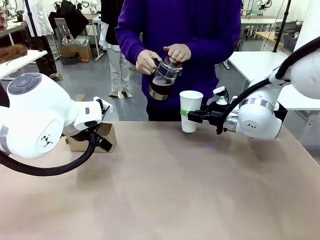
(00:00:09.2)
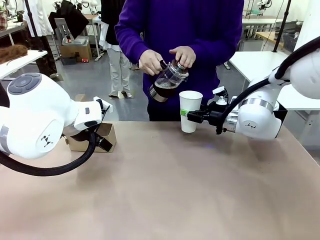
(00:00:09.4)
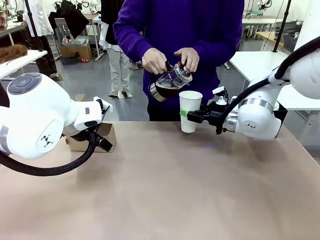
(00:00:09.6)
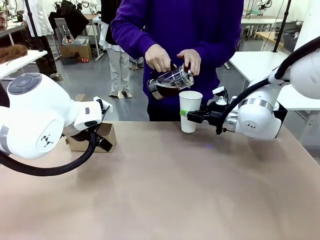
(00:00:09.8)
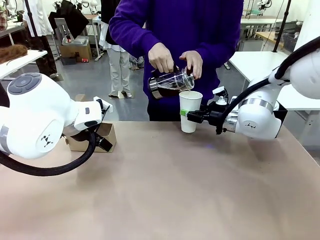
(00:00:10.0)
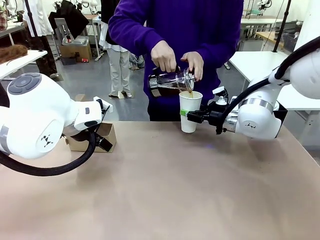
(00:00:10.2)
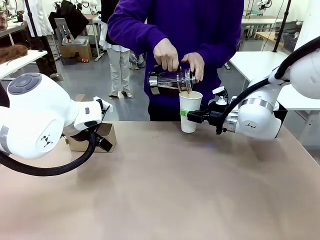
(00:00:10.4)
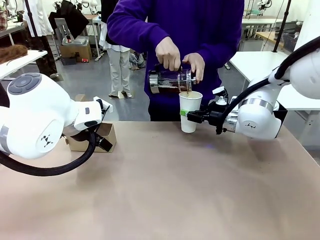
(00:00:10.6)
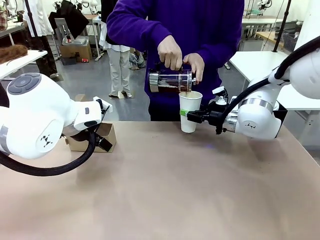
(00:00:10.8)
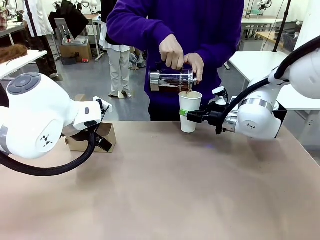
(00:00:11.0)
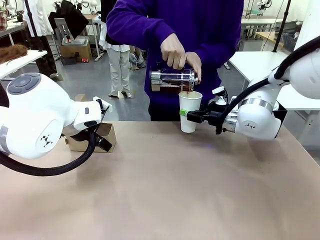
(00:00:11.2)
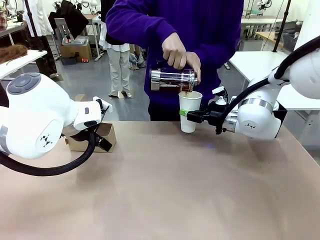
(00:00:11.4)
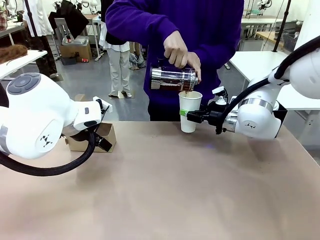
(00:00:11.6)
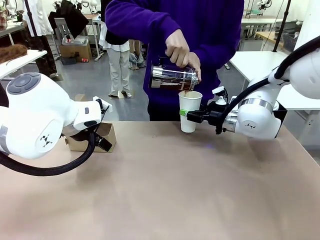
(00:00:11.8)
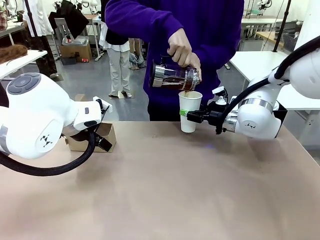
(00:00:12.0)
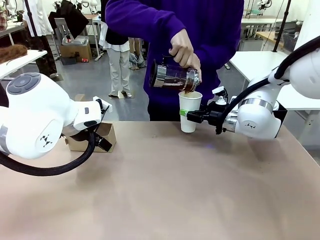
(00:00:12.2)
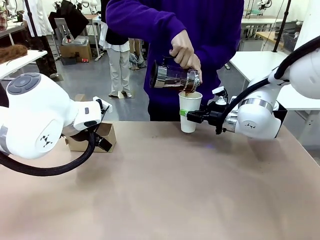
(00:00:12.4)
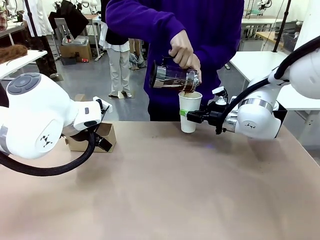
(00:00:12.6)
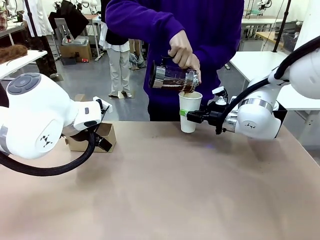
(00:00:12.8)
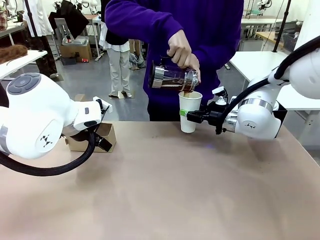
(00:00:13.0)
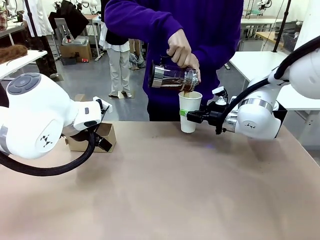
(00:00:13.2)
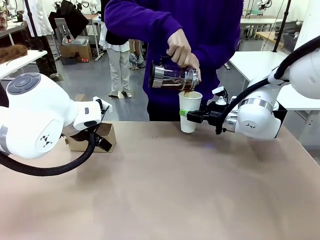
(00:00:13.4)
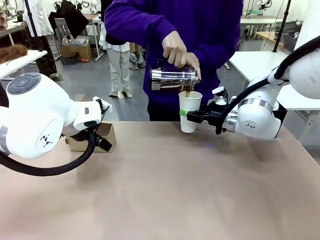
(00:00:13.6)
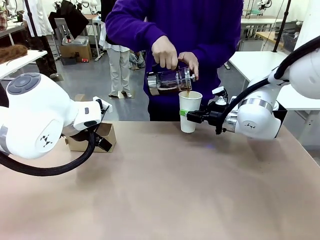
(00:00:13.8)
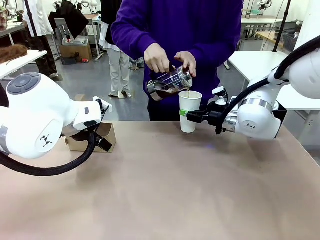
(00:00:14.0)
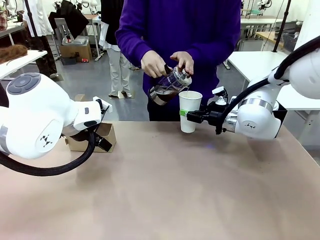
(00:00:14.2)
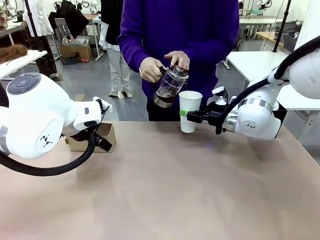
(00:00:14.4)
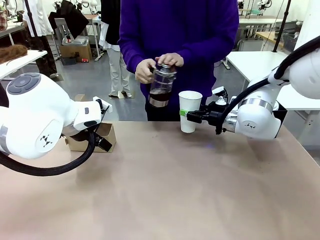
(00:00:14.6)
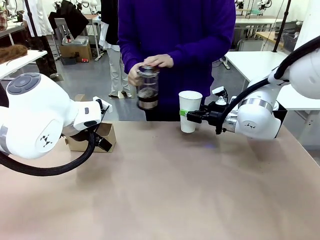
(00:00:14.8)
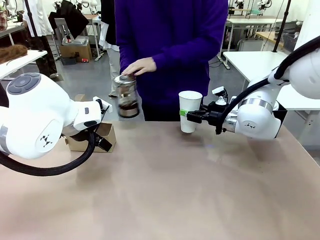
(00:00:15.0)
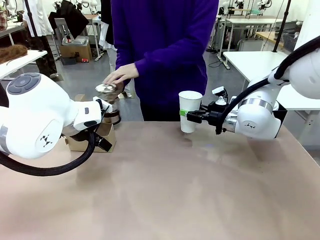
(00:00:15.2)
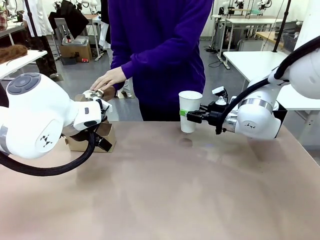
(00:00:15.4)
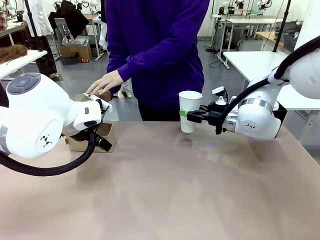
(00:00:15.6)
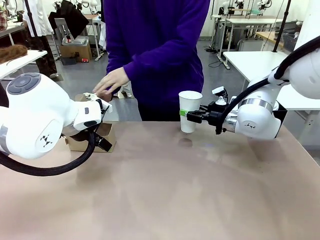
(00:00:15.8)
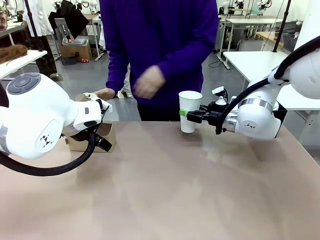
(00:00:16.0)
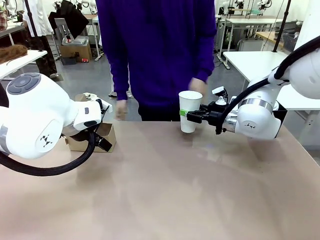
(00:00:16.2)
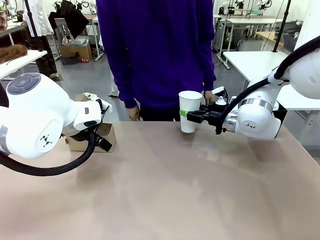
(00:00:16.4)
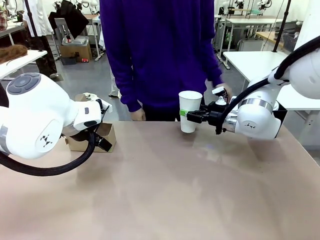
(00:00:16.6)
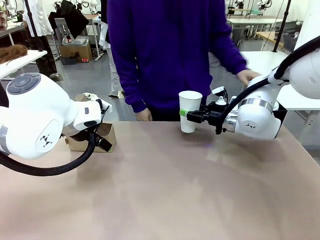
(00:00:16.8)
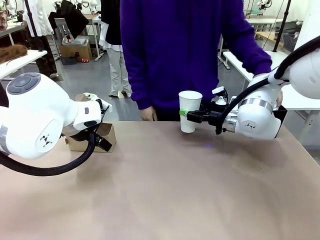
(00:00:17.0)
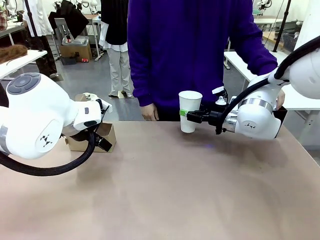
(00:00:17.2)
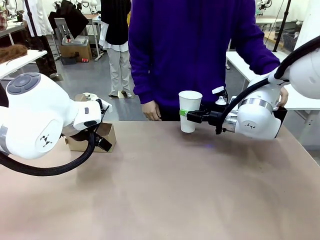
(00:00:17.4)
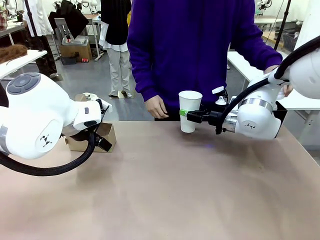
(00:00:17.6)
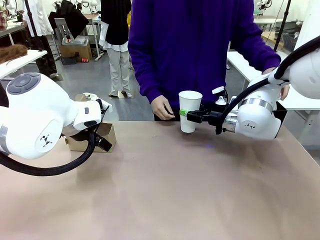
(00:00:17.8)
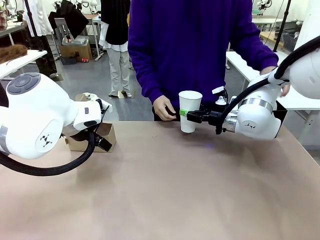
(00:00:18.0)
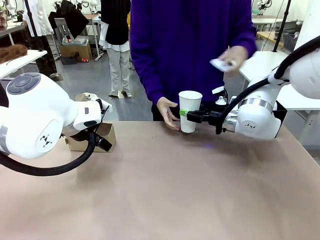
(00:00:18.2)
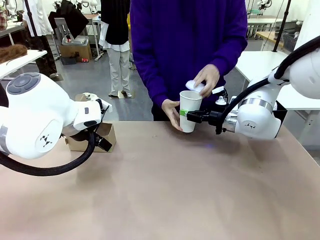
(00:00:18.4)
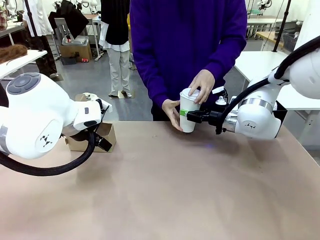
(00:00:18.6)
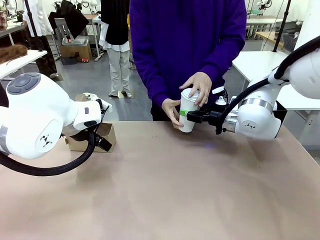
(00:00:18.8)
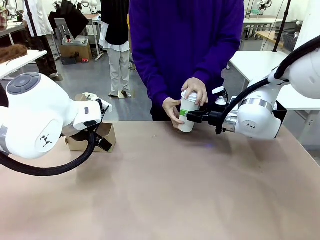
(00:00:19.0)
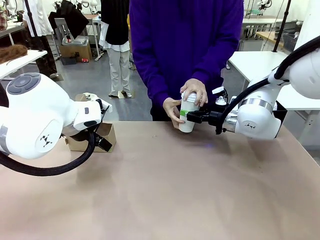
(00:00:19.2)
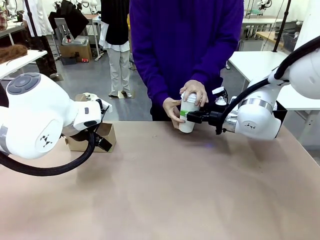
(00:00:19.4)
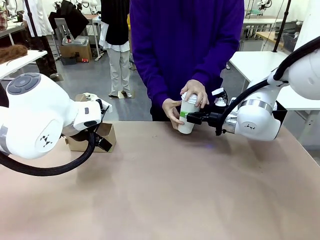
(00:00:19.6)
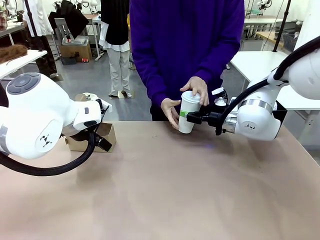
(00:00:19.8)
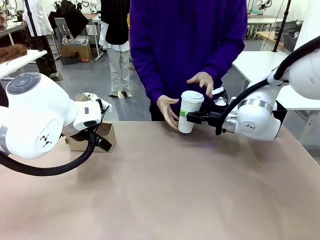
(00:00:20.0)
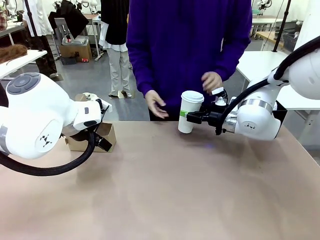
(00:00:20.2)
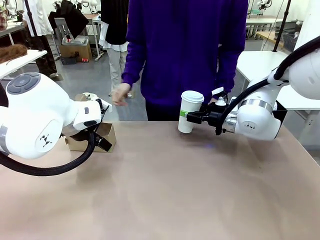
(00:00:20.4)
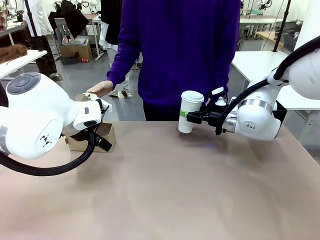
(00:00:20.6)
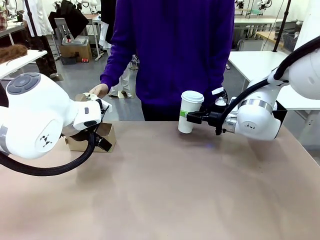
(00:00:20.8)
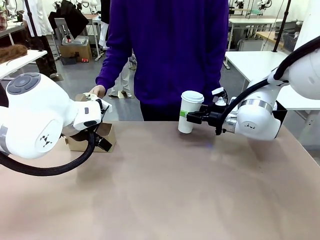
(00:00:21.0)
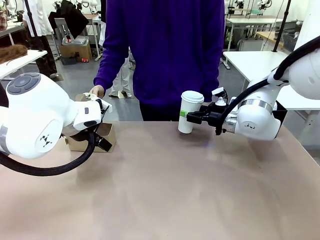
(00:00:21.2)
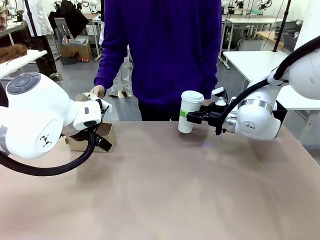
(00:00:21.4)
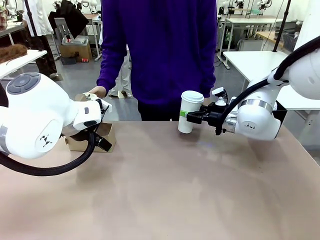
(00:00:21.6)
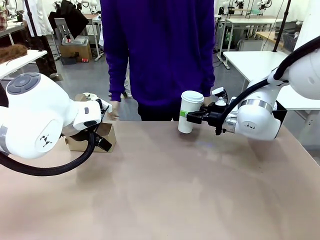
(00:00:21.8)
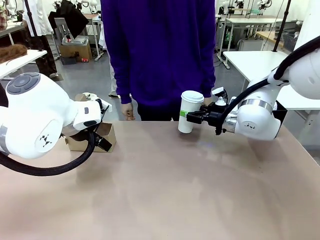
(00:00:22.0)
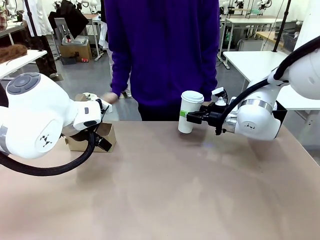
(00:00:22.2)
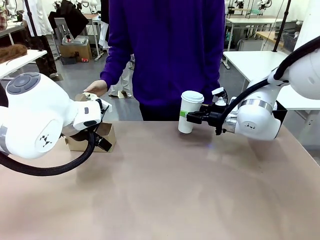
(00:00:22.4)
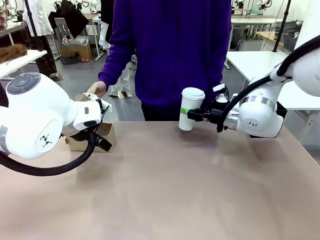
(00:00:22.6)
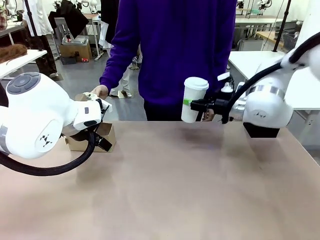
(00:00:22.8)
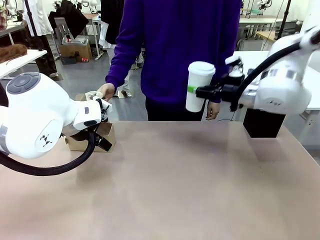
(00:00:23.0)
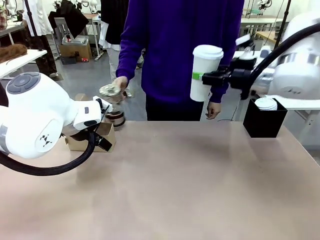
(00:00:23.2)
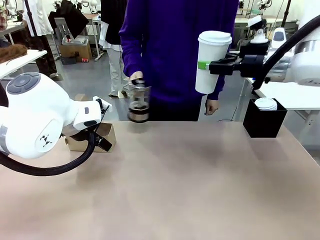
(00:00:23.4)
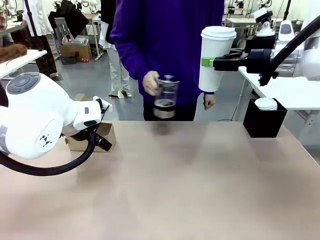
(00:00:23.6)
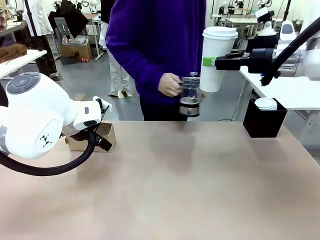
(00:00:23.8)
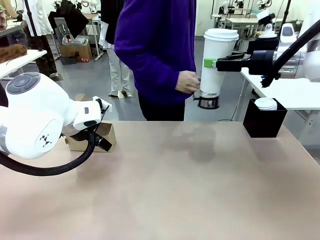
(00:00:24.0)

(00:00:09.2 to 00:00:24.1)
Task: Pour a drink into a cup and package it in a carrier.
Robot: When a person places the Paper Cup Lid on the 600 ml Paper Cup , lift the 600 ml Paper Cup.
Person: Pour the drink from the Filter Brewing into the 600 ml Paper Cup. Place a Paper Cup Lid on the 600 ml Paper Cup.

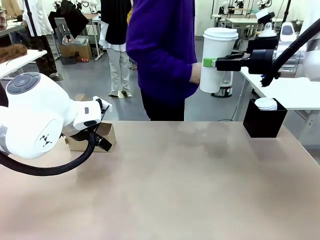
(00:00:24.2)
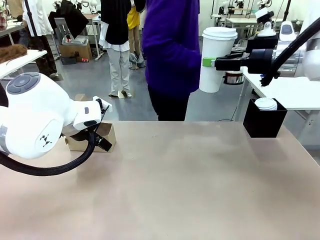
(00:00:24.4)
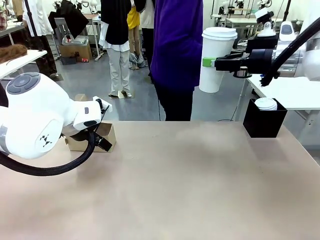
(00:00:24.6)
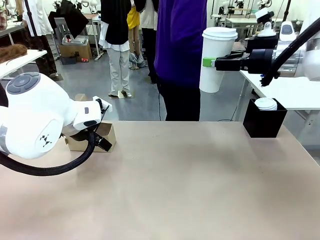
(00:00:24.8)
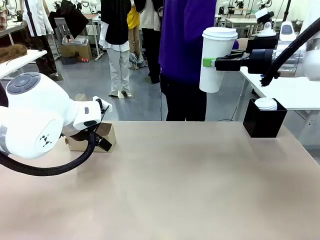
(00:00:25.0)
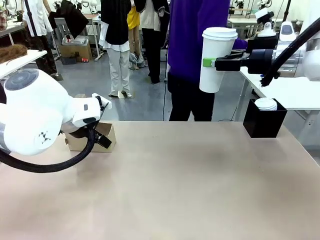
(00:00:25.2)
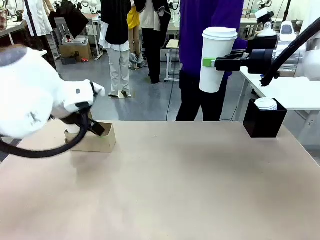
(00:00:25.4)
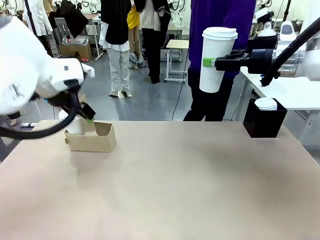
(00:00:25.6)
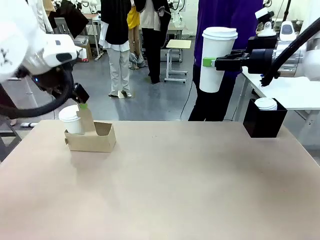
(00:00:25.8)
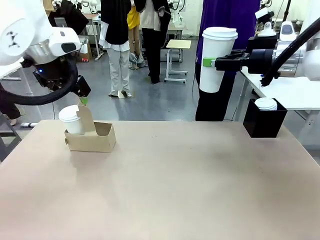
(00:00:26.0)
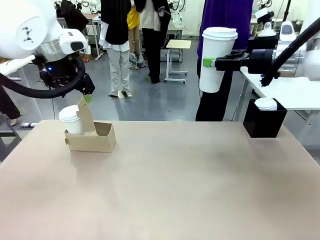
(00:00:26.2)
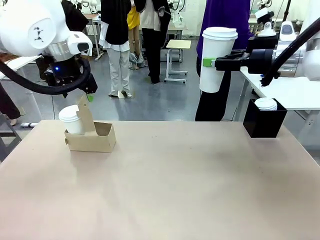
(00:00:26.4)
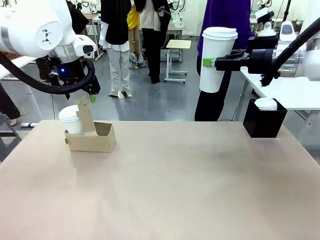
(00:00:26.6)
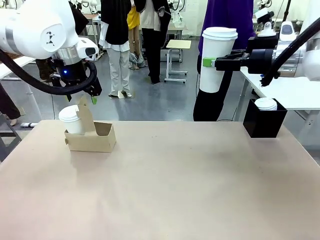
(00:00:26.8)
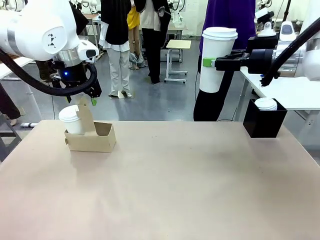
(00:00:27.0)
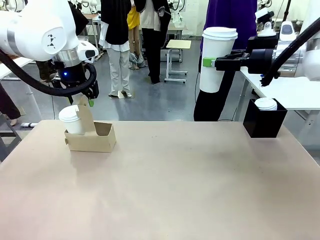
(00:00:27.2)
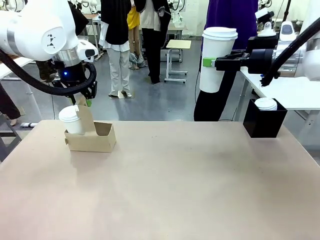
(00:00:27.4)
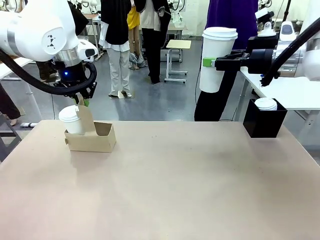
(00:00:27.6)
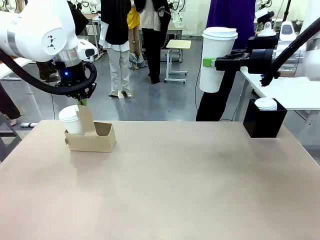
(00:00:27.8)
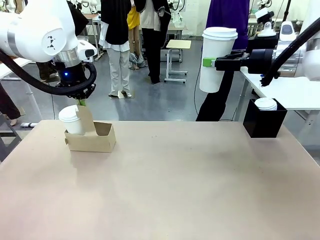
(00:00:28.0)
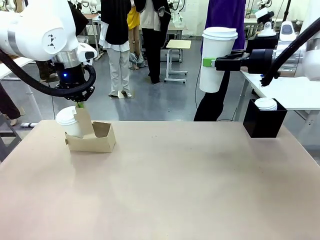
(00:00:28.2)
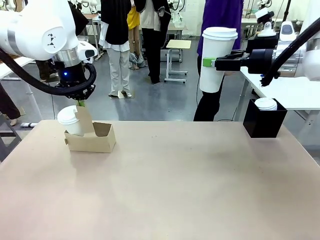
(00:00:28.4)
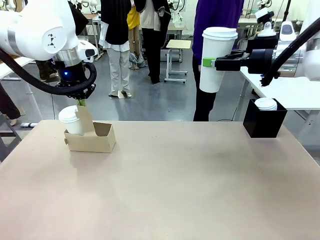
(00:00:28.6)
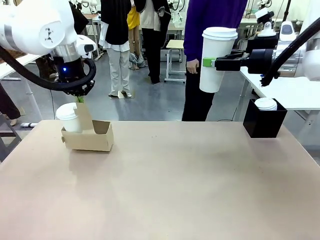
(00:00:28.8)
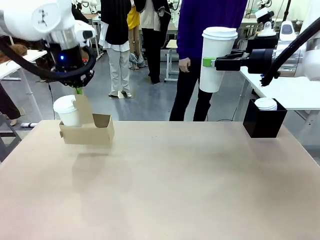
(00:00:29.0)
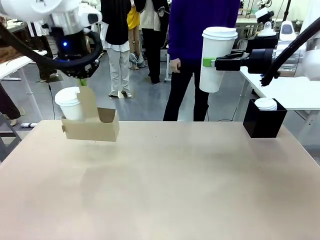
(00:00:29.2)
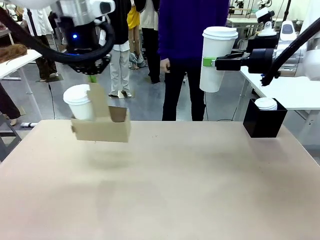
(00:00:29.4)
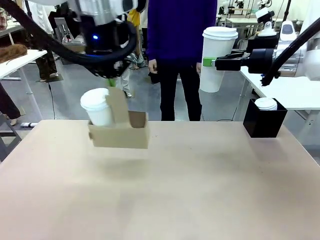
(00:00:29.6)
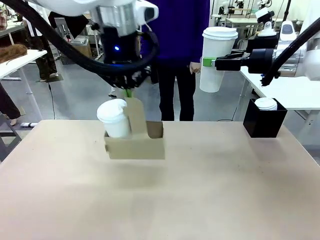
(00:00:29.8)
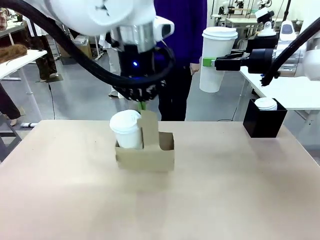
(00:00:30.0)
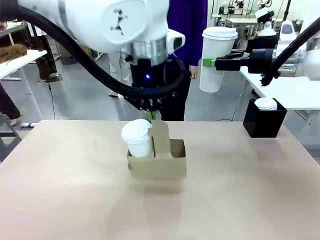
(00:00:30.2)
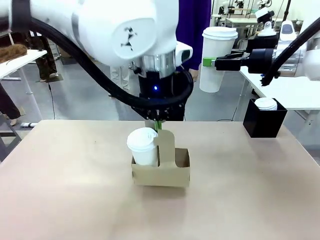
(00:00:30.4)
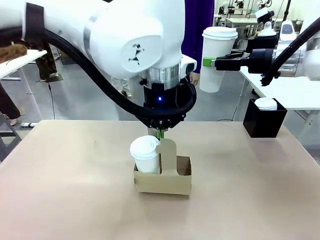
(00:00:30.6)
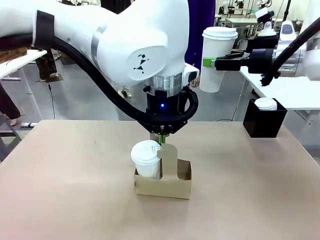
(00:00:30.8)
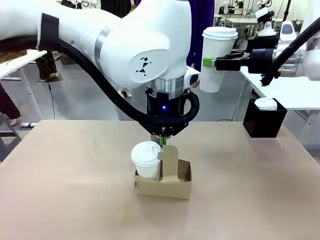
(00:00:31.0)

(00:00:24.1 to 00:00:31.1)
Robot: Position the Cup Carrier in the center of the table.
Person: Pick up the Filter Brewing and place on the middle of Human table, and return to the Robot table.
